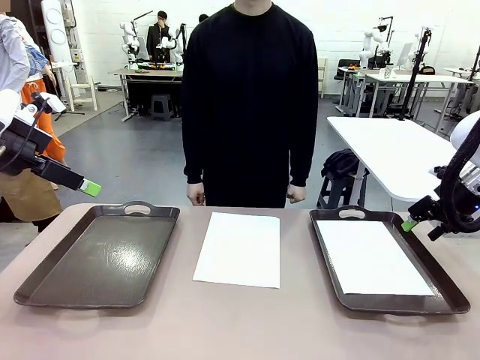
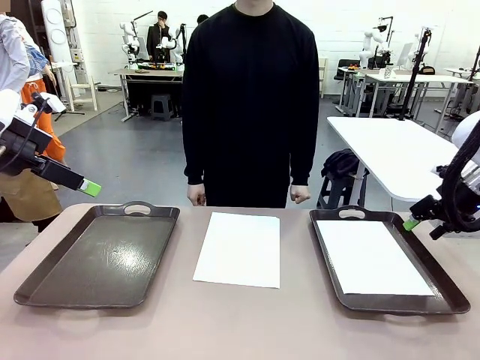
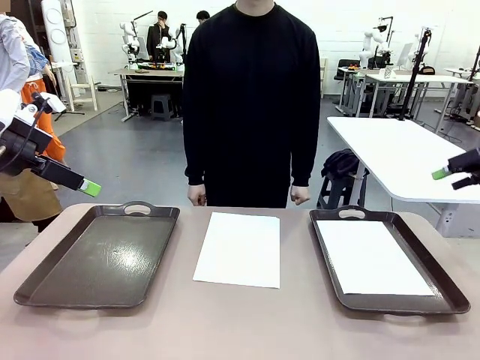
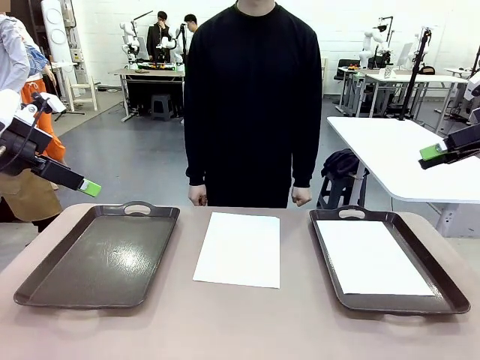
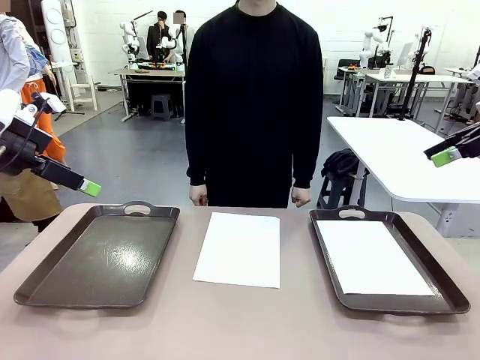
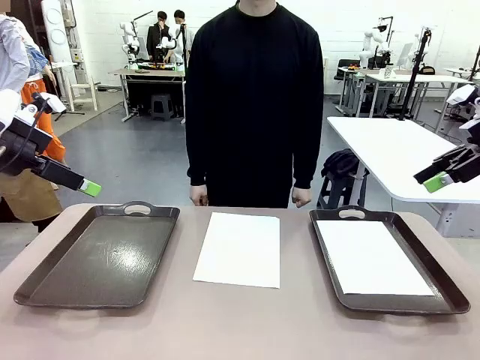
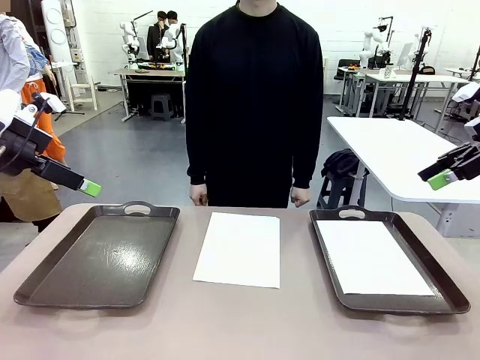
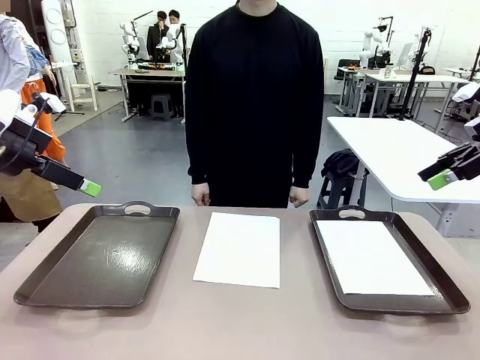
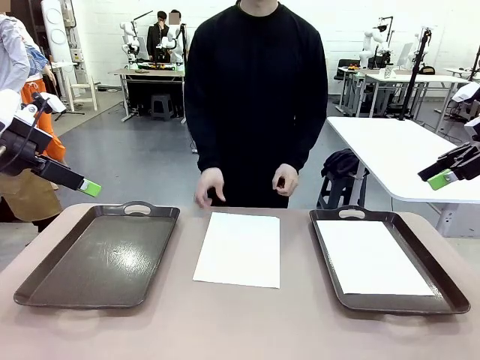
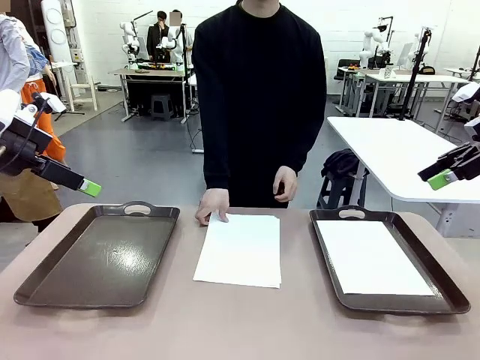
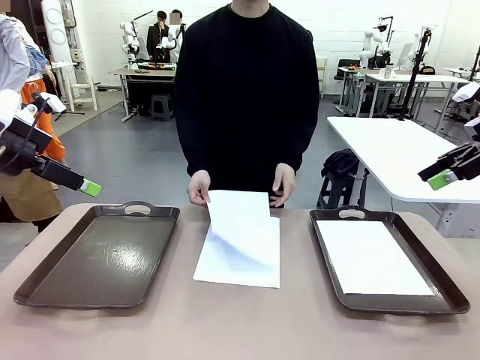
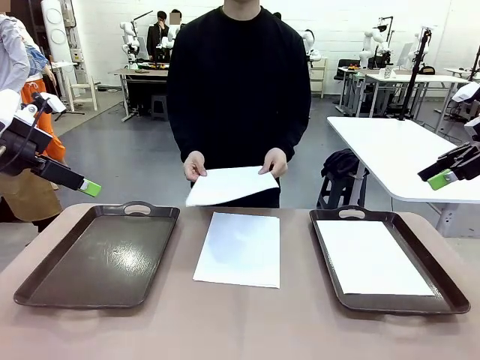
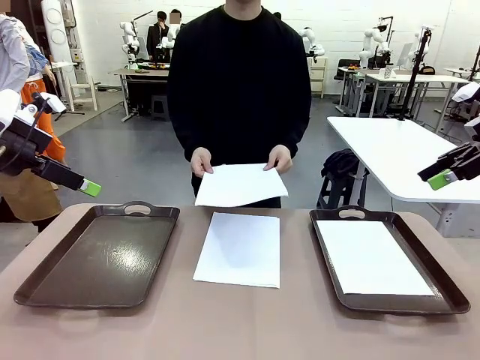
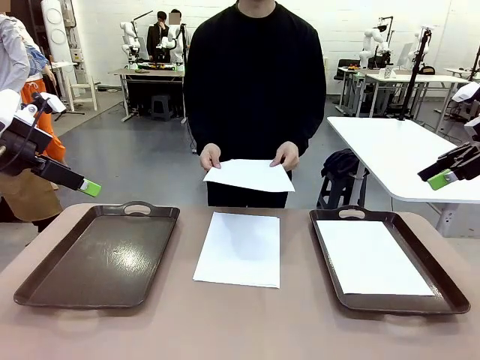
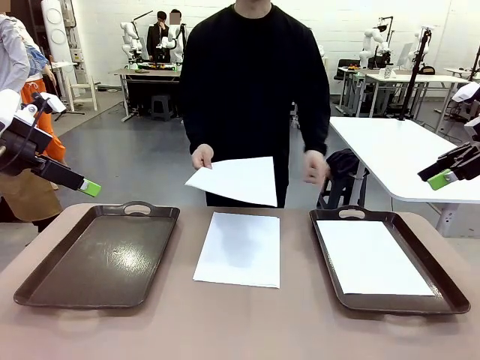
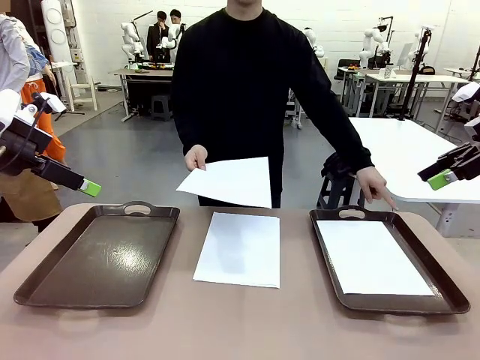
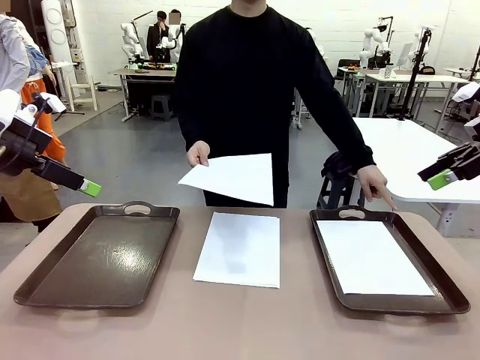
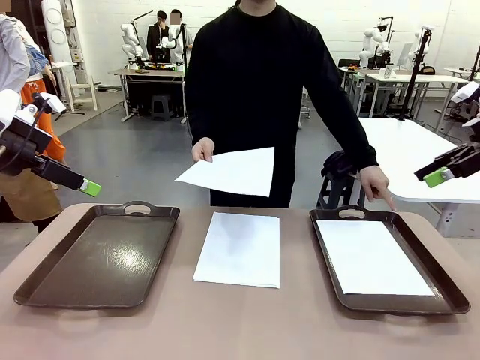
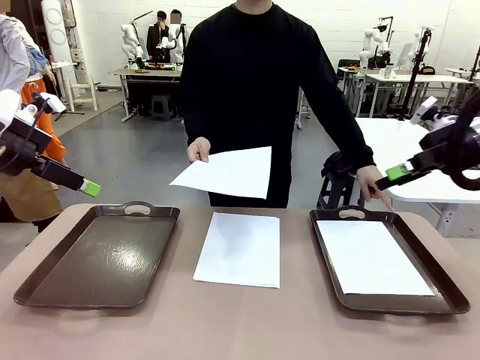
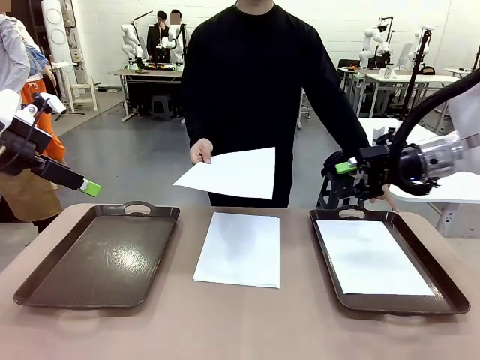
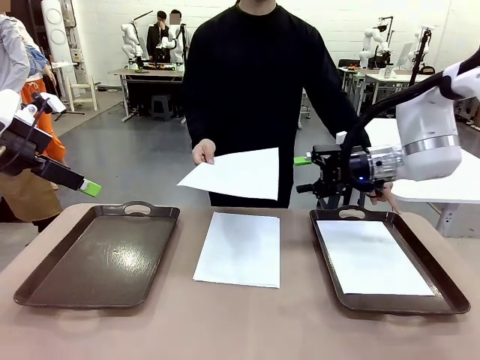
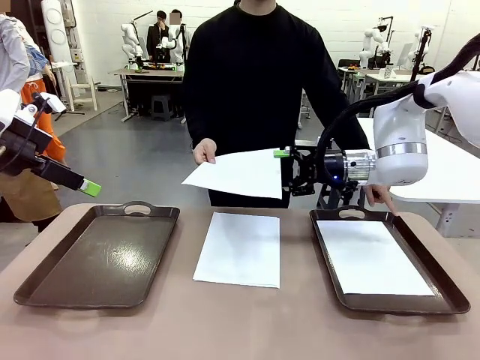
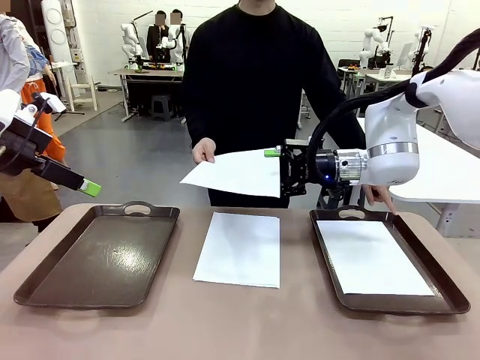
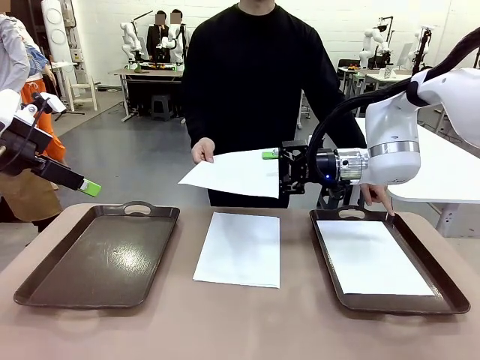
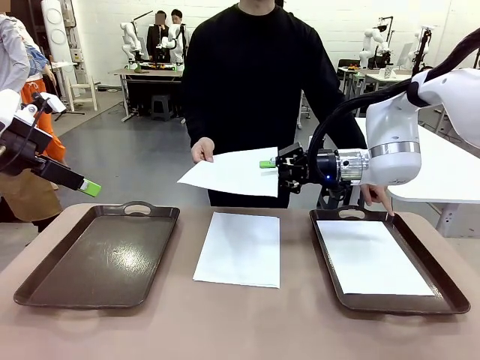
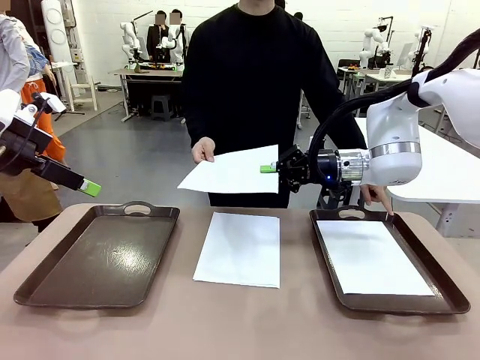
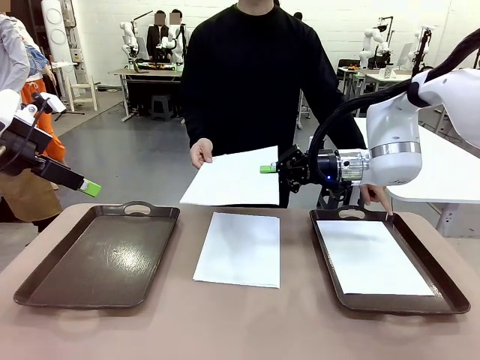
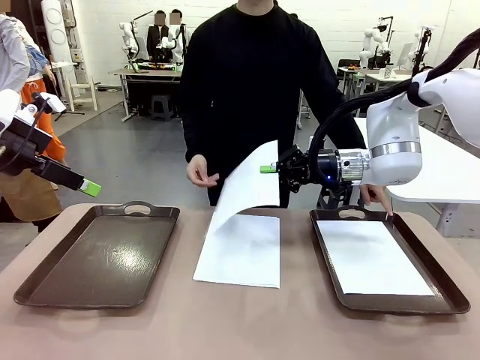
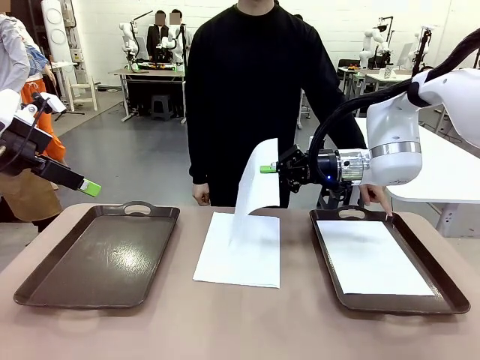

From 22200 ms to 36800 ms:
Task: Sort the A4 documents.
Robot: Receive the A4 Paper.
Person: Point the randomly selected tray with the other hand.

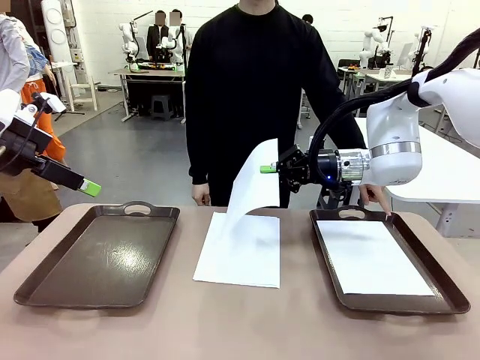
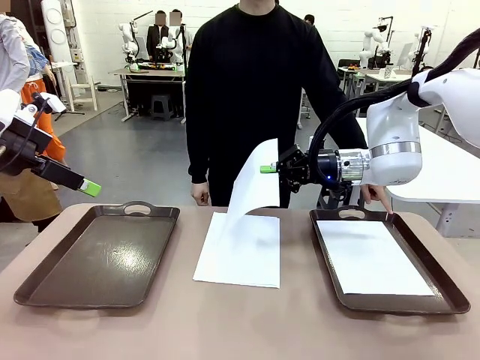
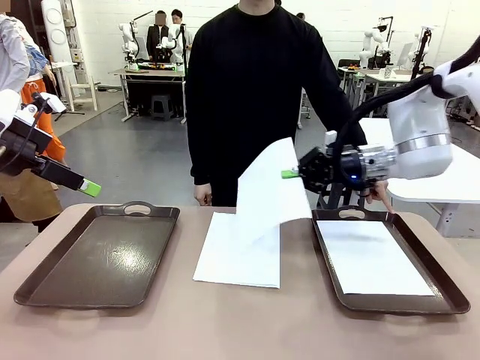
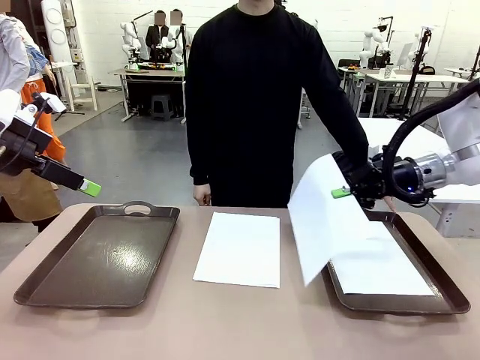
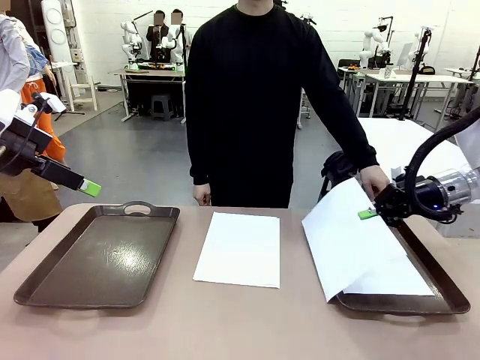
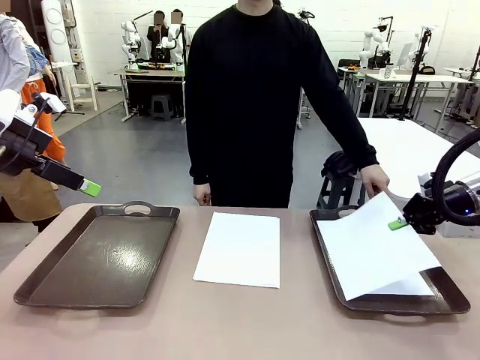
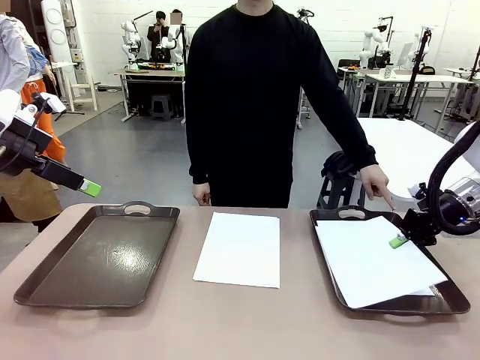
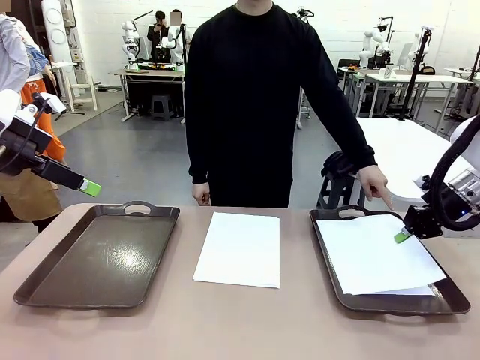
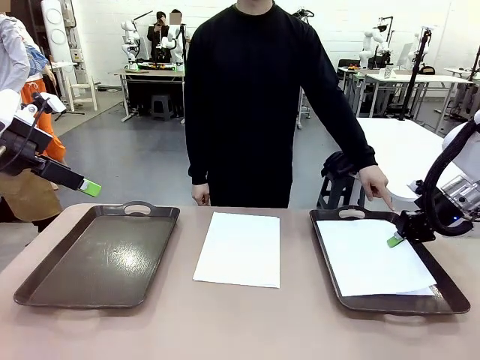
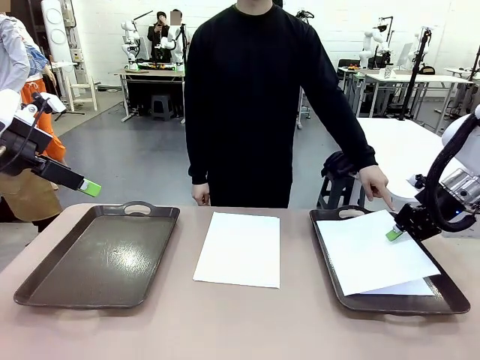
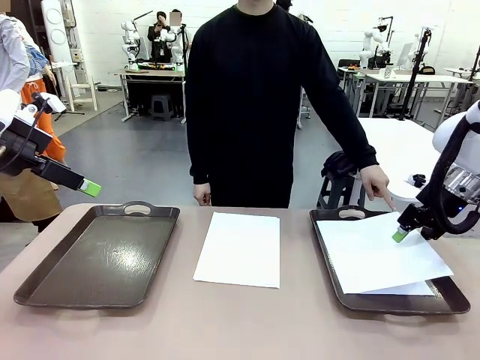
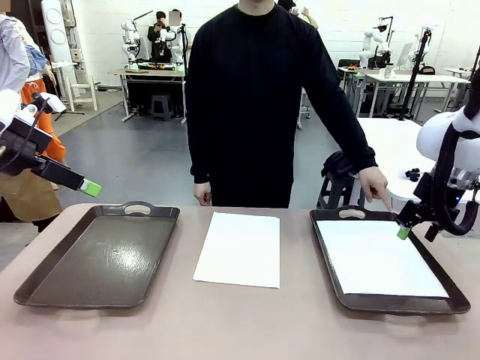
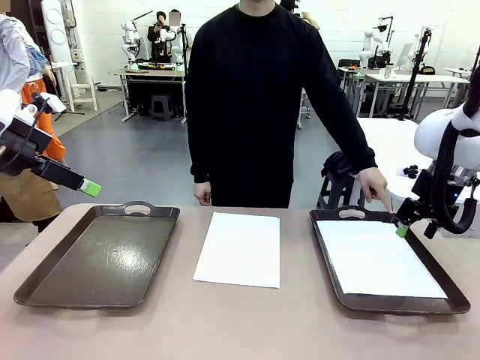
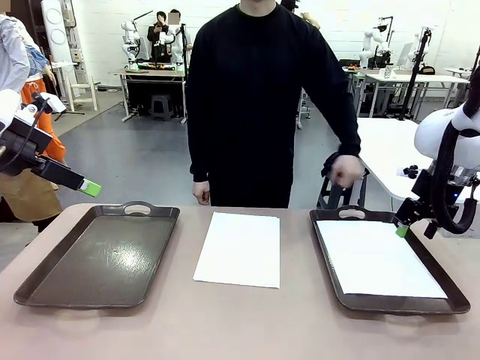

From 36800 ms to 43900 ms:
Robot: Place the A4 Paper in the designated Handle tray.
